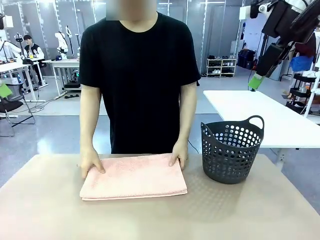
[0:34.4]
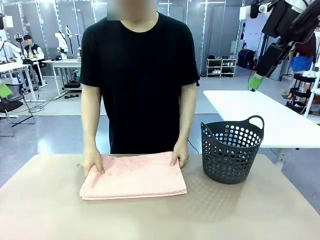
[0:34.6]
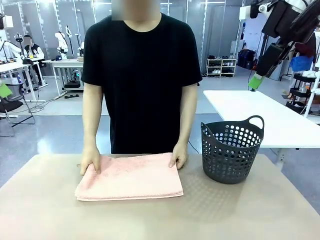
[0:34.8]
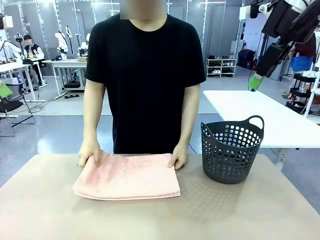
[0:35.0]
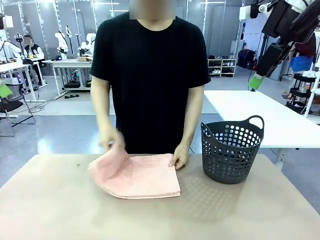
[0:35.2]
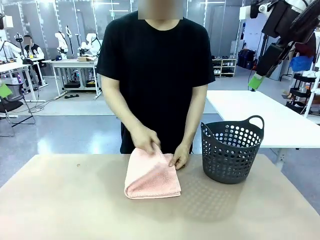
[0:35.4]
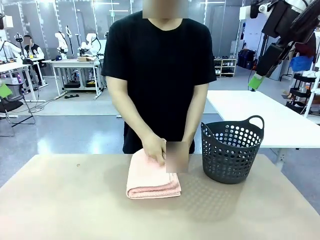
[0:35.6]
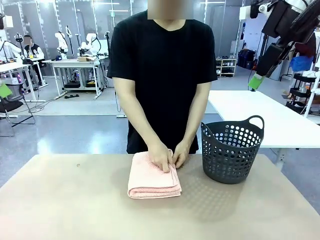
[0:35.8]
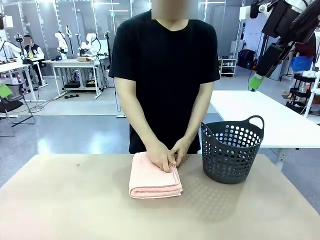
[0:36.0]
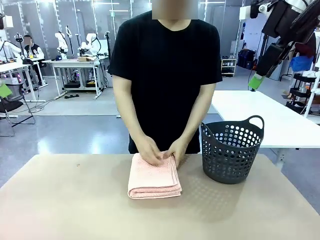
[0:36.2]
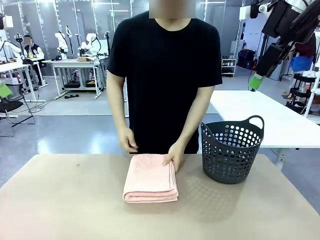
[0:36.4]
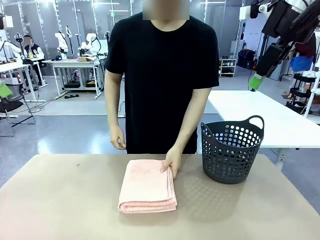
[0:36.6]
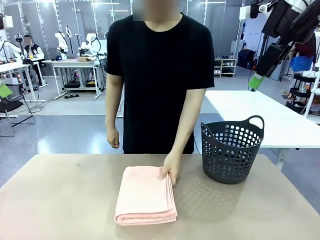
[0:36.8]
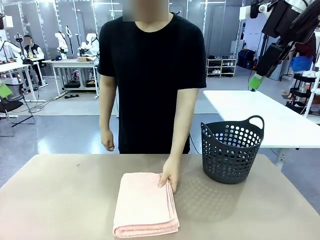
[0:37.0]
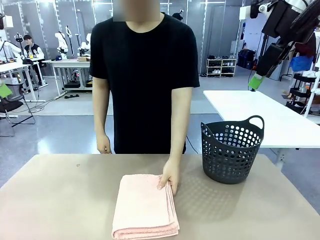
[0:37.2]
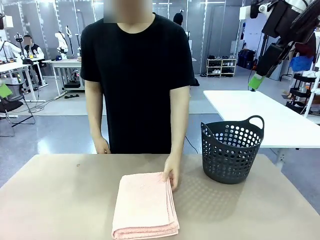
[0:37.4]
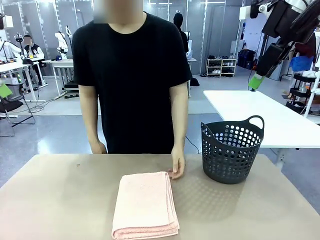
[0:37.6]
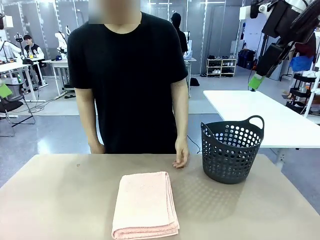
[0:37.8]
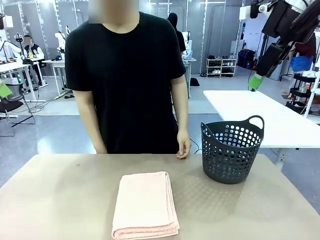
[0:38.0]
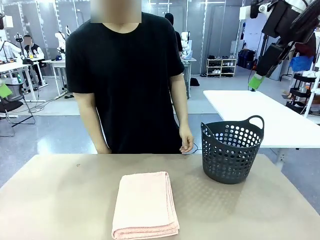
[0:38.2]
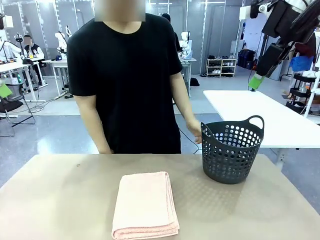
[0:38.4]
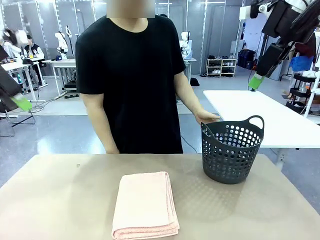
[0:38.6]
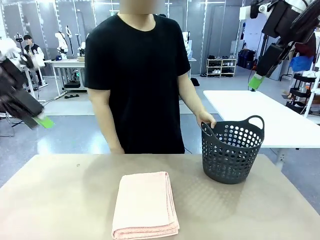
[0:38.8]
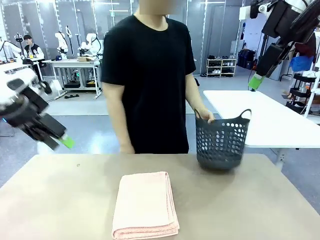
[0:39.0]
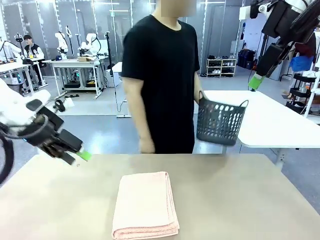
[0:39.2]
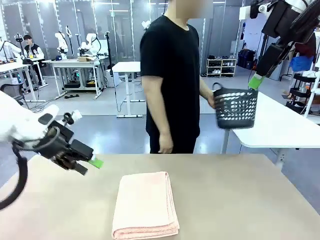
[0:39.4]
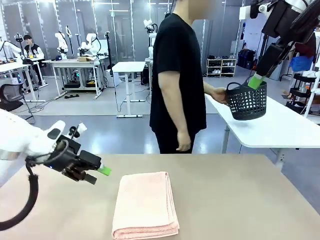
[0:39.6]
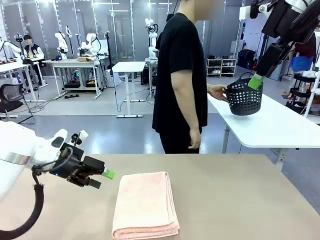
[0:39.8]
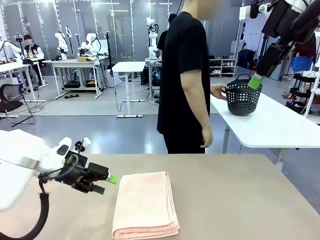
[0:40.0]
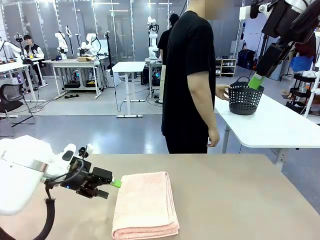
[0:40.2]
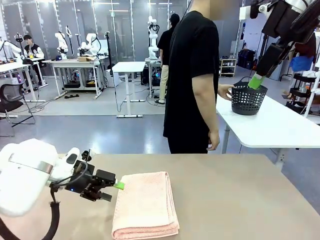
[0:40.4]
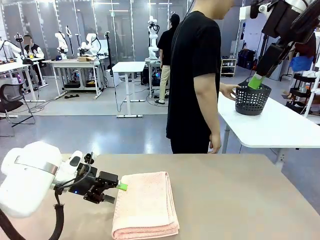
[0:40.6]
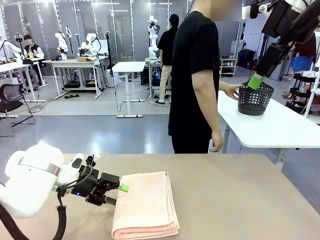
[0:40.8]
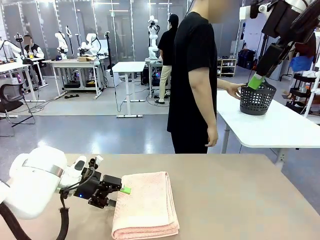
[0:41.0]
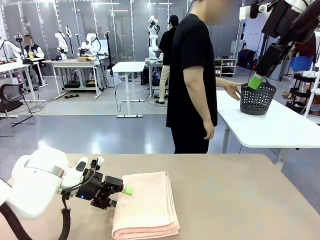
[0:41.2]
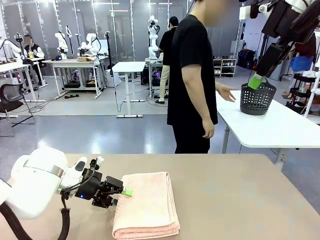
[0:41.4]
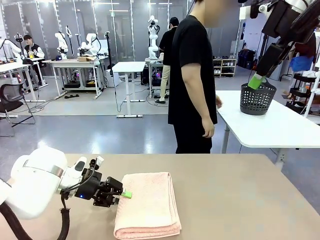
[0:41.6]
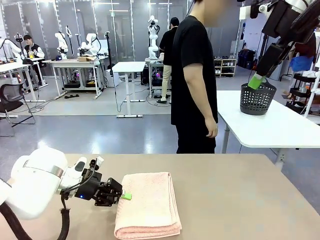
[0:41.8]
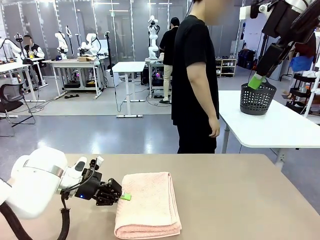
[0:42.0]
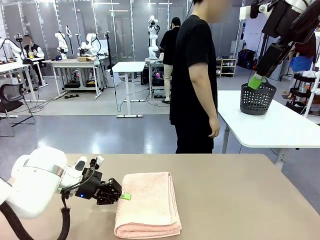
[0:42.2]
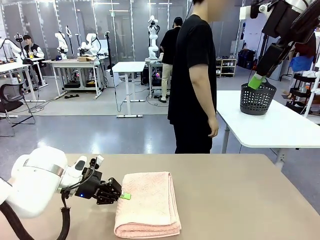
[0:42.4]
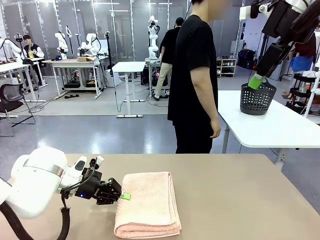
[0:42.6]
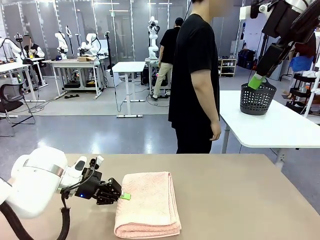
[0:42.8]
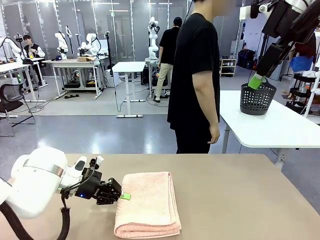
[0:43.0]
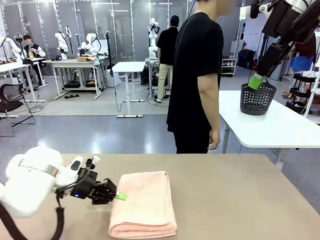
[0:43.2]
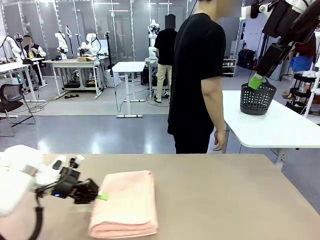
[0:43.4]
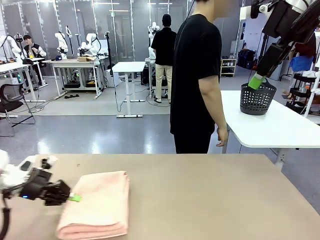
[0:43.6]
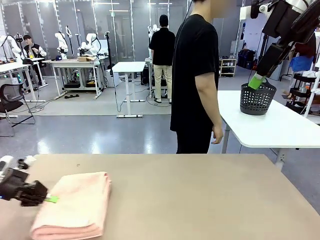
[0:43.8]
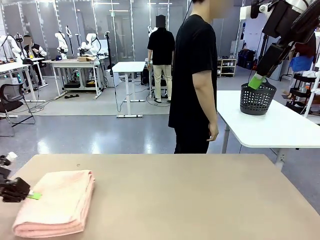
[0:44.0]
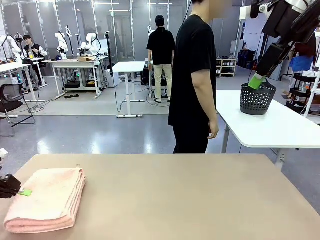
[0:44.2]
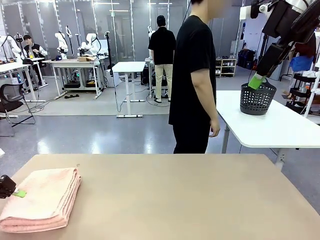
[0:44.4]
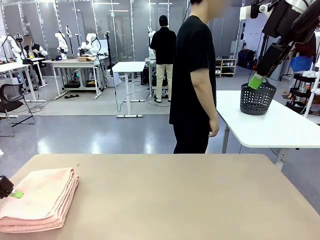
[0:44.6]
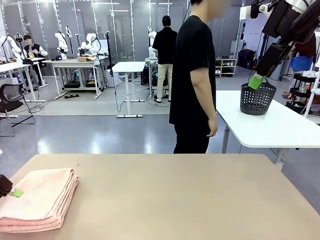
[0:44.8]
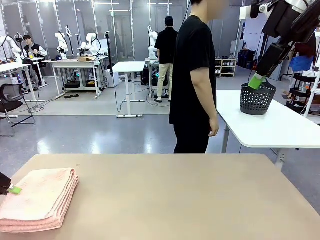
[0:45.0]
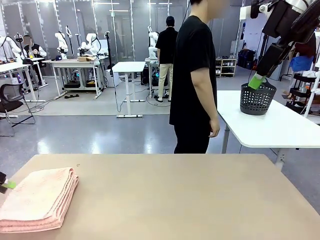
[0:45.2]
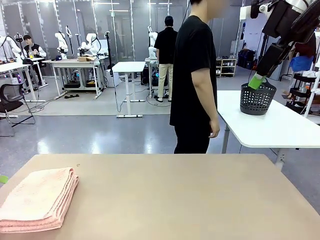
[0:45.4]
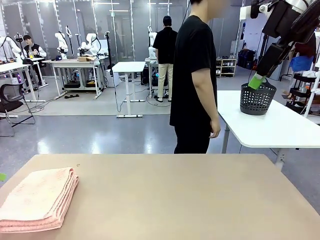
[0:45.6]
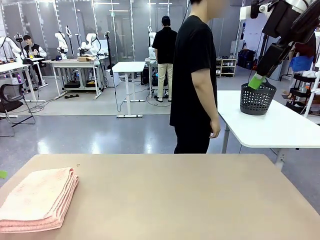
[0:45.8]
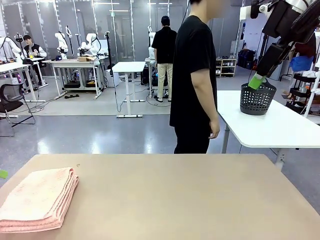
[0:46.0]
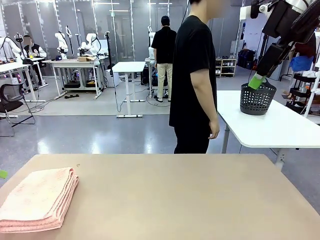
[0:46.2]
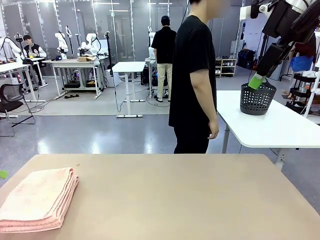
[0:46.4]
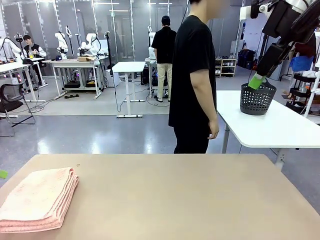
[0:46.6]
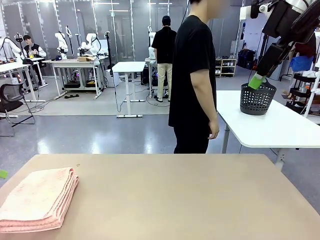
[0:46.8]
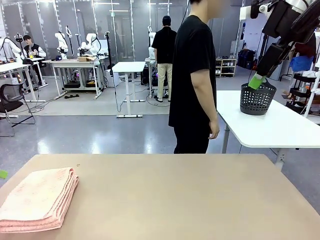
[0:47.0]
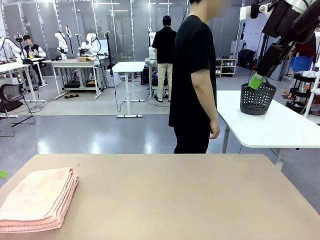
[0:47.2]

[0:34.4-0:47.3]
Task: Fold the towel.
Robot: Pick up the 100 cm Hotel Towel and place it on the left side of the table.
Person: Place the towel at the center of the robot table and fold it in half. Pick up the laundry basket and place it at the center of the human table.

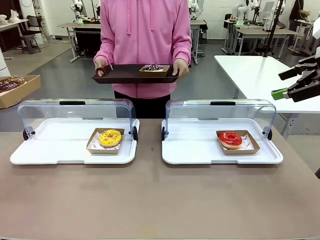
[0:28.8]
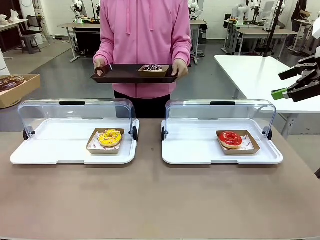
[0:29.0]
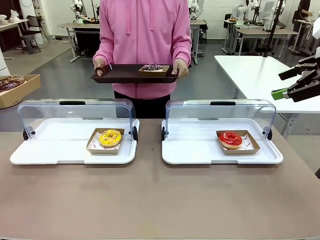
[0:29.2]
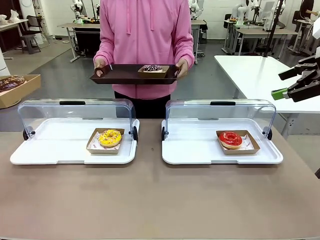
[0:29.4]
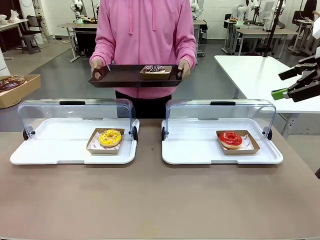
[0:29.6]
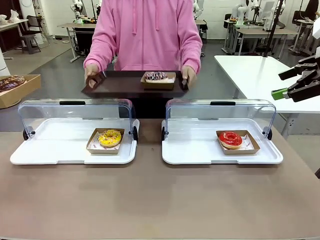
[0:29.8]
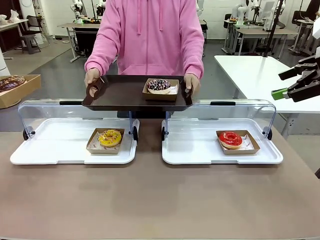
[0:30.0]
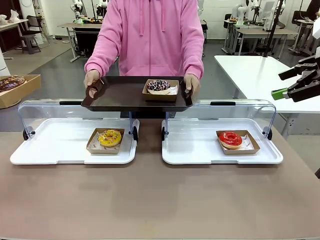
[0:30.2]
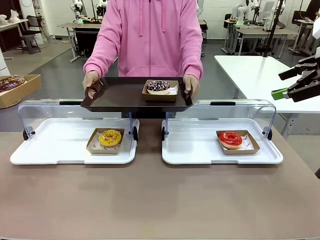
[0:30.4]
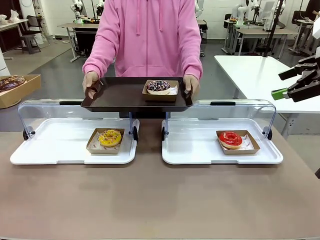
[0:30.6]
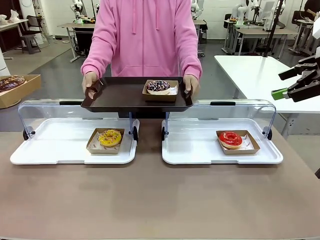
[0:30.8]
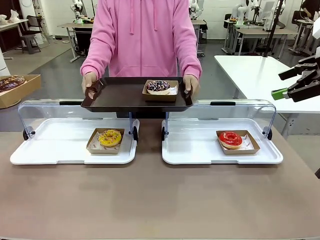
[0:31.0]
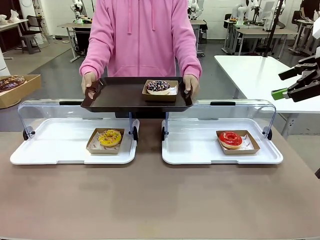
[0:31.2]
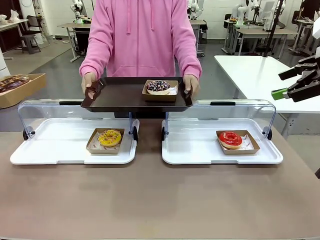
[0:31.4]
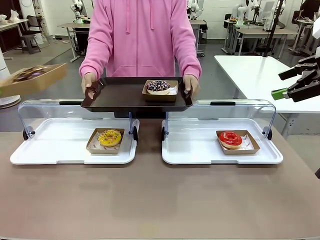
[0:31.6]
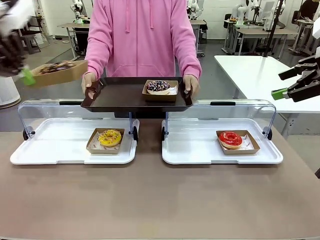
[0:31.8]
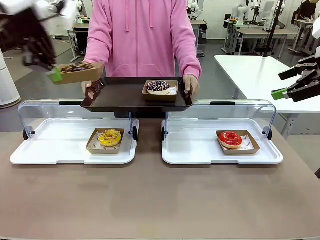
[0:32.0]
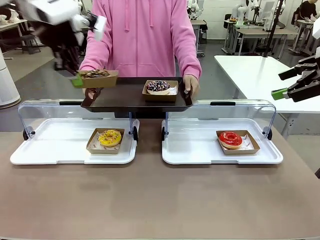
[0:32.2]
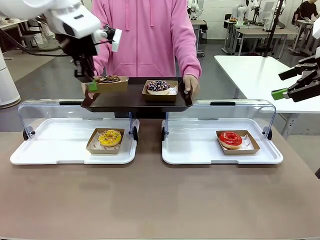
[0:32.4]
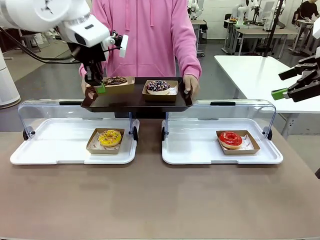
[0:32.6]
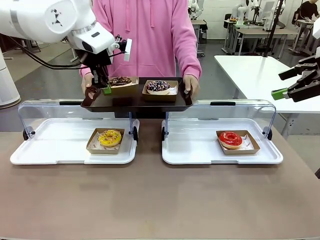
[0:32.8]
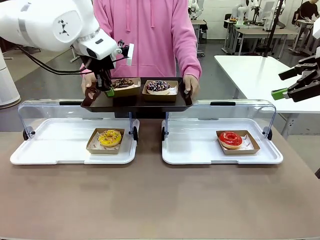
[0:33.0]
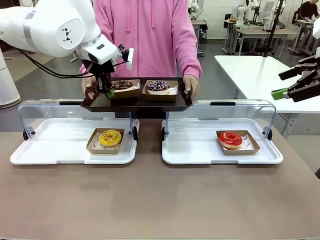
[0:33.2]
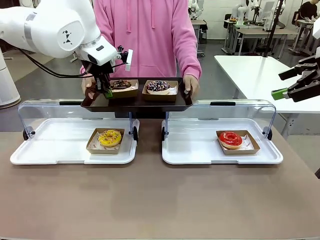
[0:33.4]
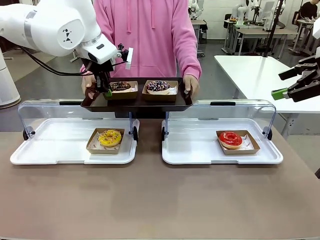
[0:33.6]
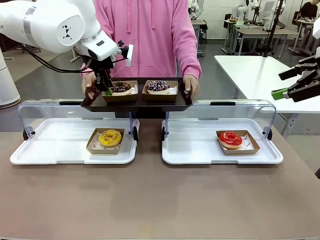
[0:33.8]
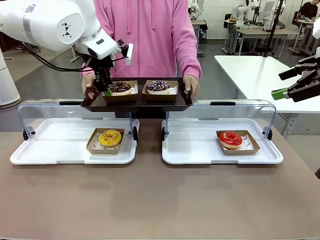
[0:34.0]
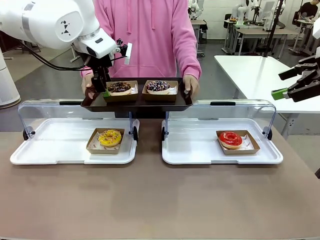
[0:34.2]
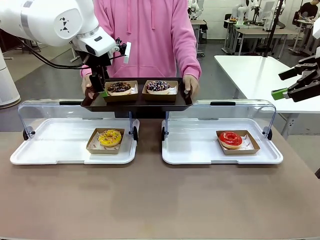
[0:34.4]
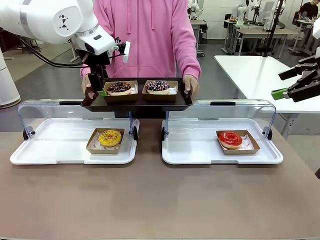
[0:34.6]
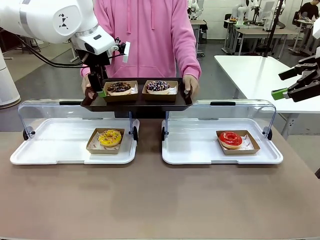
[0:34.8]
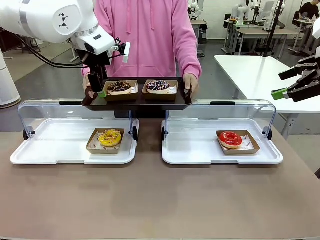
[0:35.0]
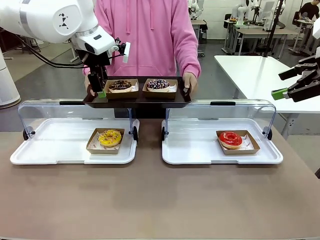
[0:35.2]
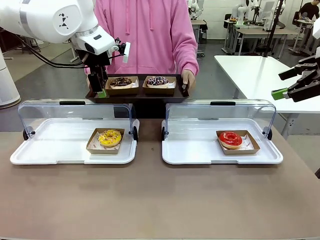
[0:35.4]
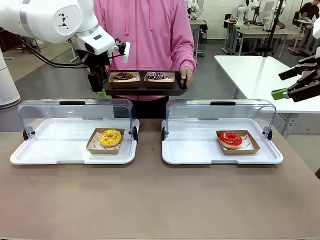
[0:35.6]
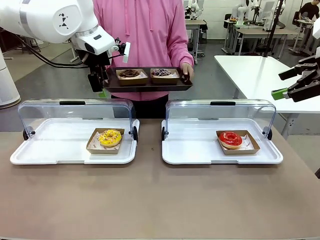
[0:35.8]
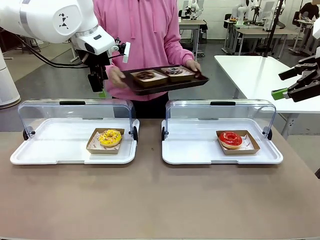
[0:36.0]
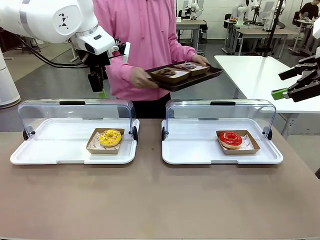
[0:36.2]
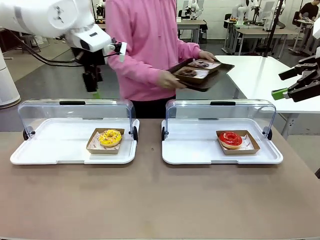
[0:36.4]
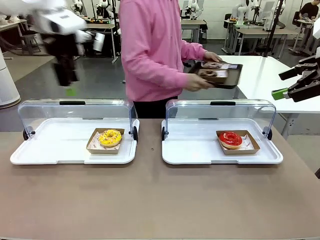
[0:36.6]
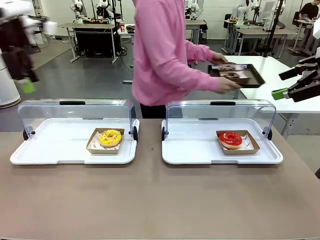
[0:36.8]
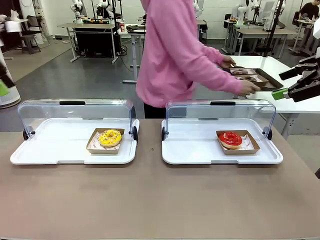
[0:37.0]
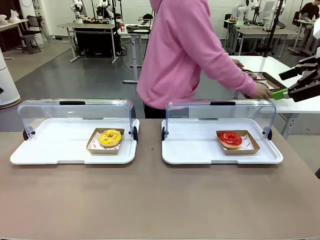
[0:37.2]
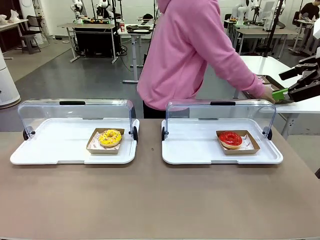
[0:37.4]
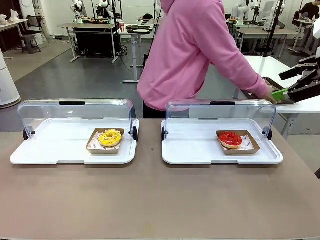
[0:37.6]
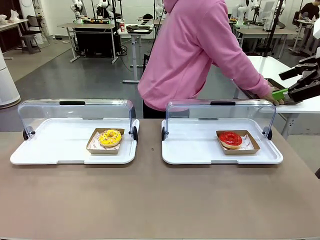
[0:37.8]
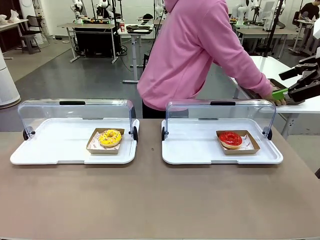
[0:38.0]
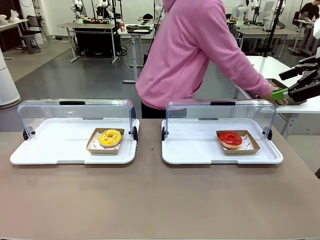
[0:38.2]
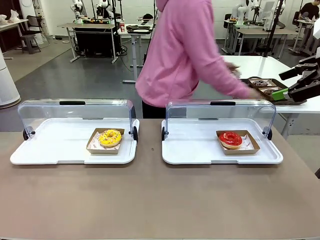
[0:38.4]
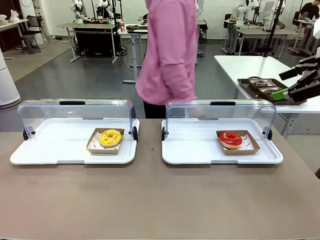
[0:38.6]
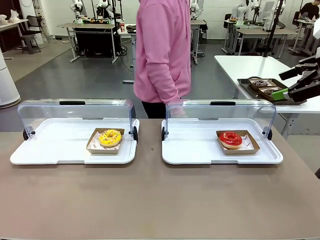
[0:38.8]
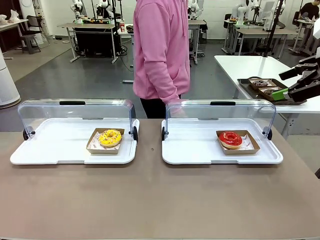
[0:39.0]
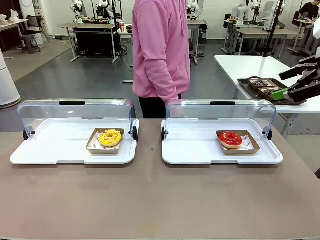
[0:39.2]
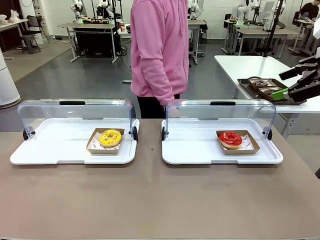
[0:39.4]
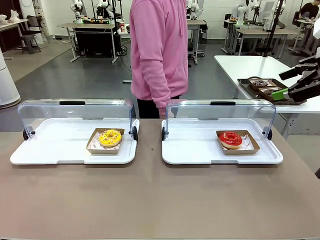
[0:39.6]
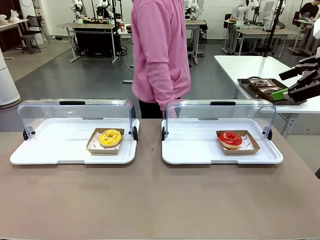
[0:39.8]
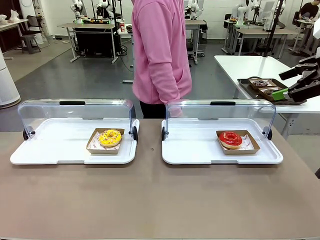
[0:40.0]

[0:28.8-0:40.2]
Task: Provide the desired donut to the person.
Robot: Place the picked Paper togo box onto the Handle tray extended by the person.
Person: Place the tray in the middle of the human table.
